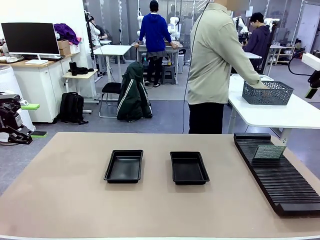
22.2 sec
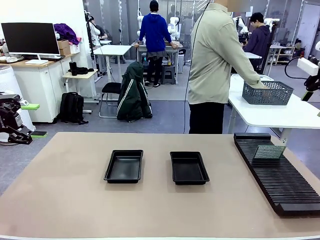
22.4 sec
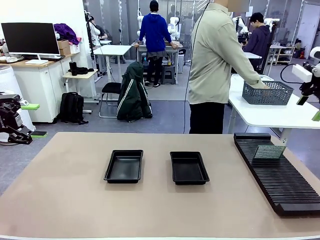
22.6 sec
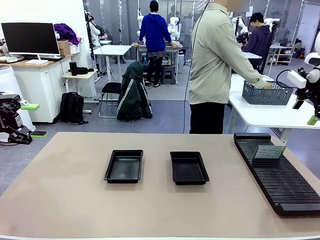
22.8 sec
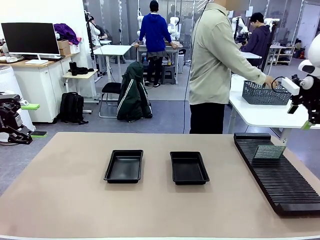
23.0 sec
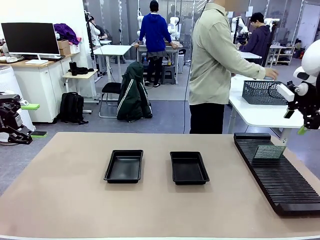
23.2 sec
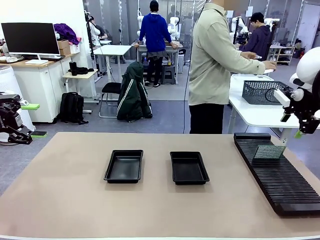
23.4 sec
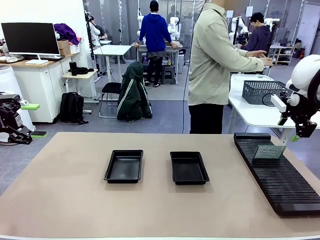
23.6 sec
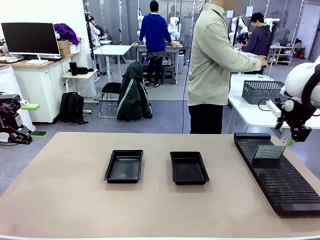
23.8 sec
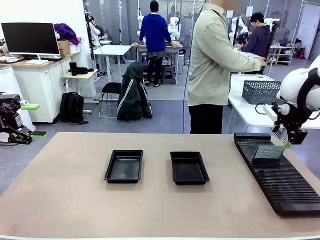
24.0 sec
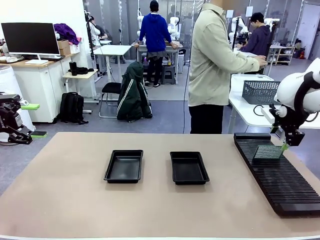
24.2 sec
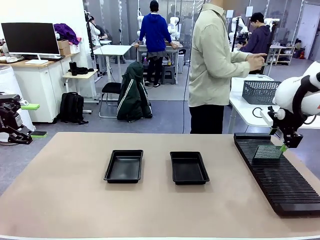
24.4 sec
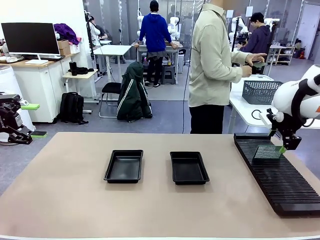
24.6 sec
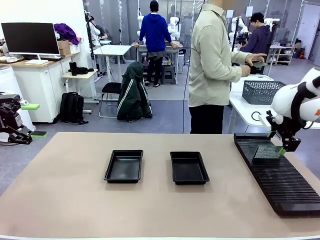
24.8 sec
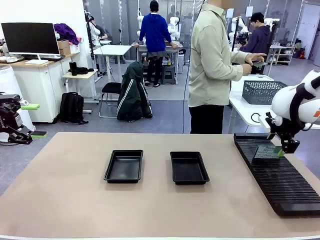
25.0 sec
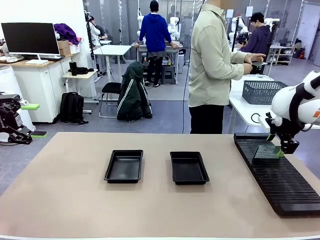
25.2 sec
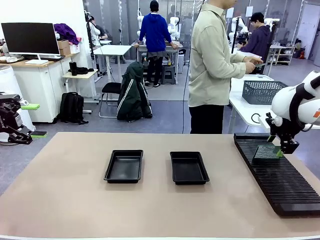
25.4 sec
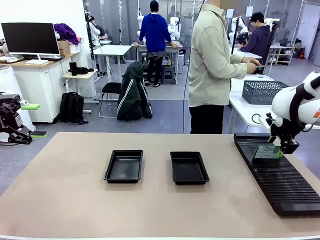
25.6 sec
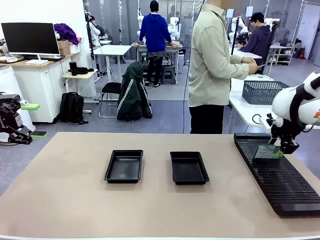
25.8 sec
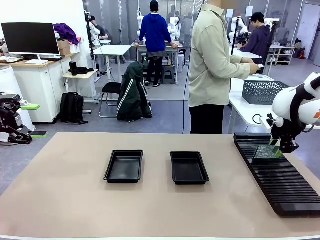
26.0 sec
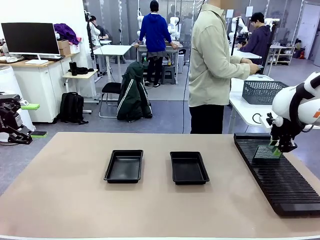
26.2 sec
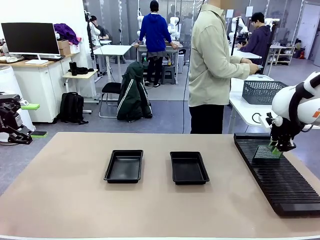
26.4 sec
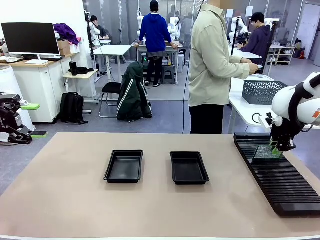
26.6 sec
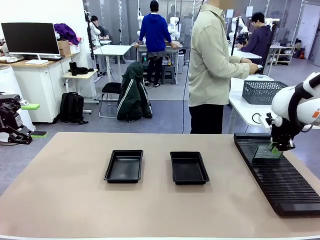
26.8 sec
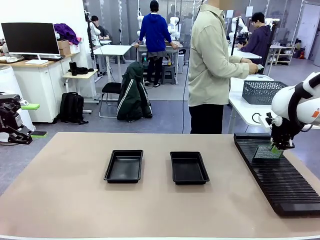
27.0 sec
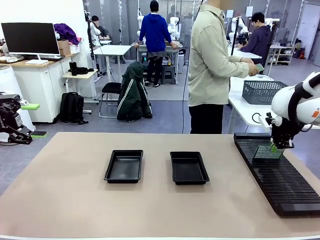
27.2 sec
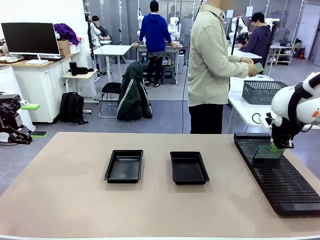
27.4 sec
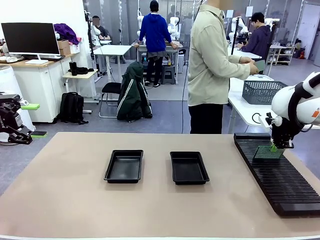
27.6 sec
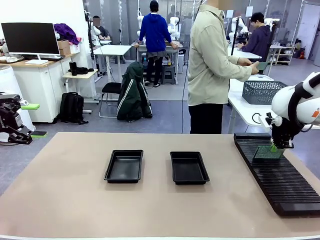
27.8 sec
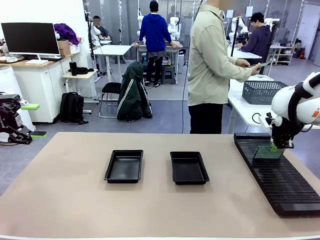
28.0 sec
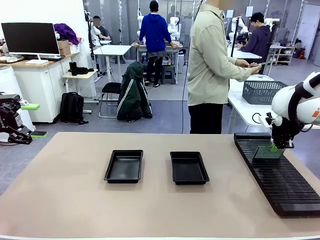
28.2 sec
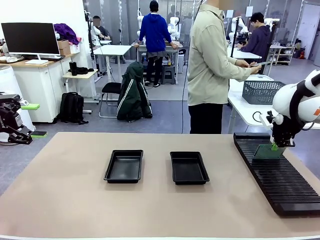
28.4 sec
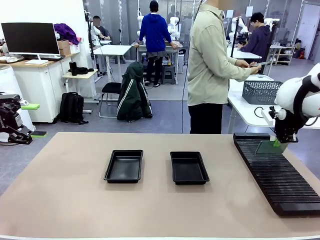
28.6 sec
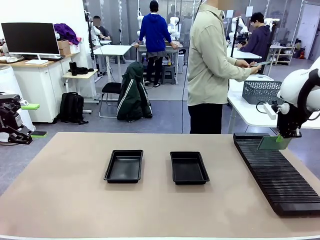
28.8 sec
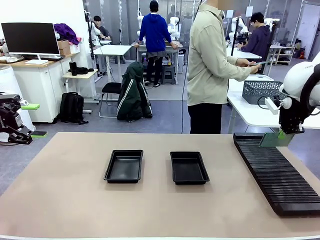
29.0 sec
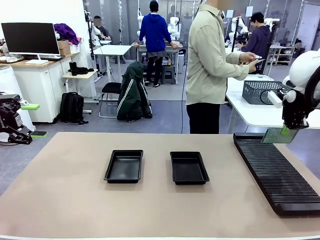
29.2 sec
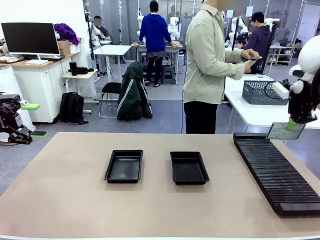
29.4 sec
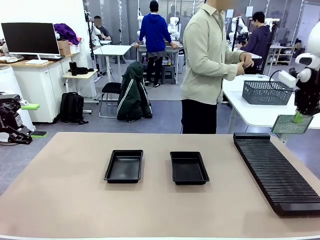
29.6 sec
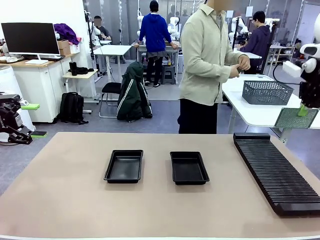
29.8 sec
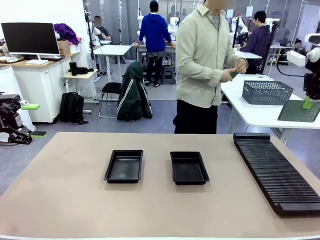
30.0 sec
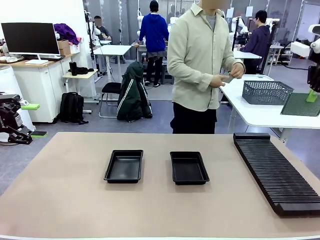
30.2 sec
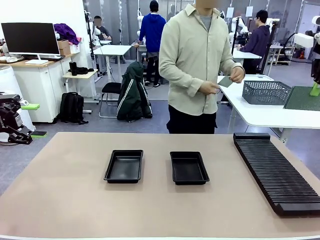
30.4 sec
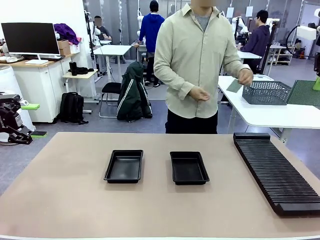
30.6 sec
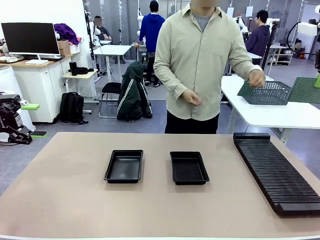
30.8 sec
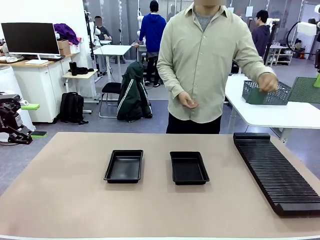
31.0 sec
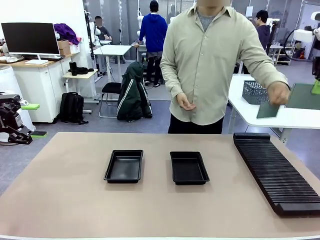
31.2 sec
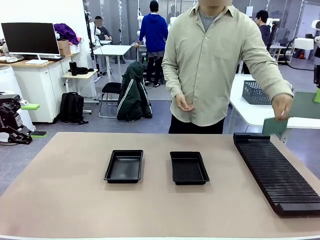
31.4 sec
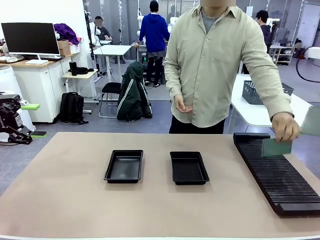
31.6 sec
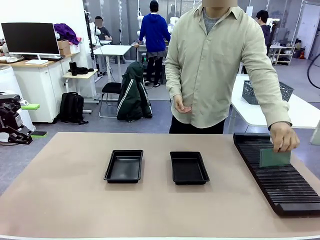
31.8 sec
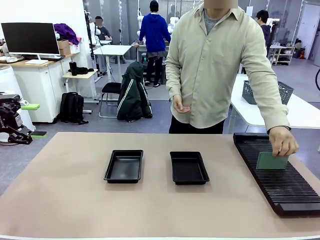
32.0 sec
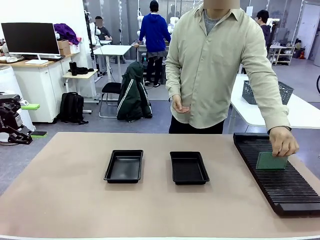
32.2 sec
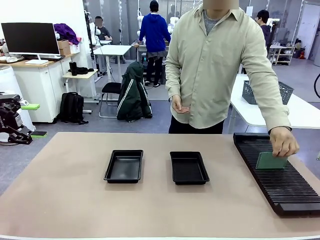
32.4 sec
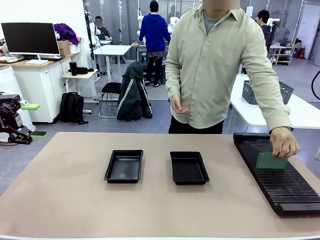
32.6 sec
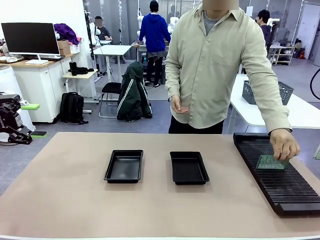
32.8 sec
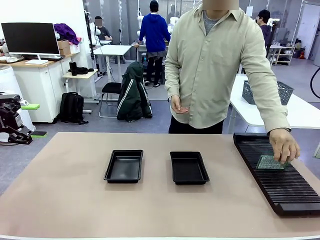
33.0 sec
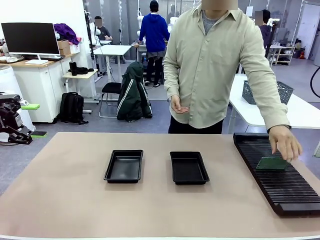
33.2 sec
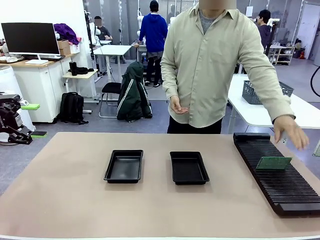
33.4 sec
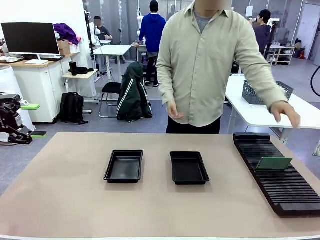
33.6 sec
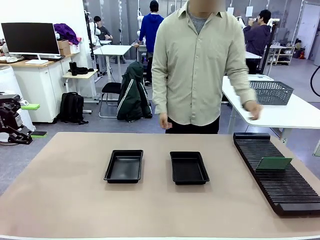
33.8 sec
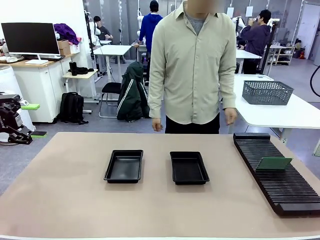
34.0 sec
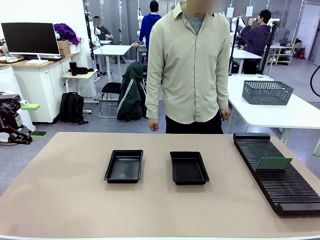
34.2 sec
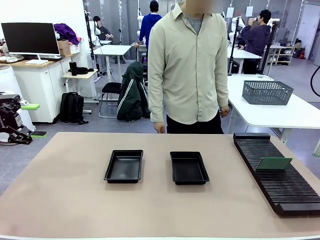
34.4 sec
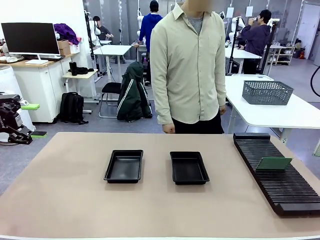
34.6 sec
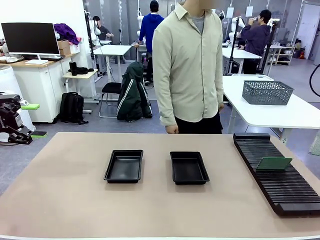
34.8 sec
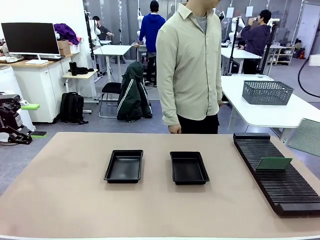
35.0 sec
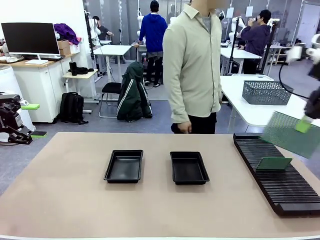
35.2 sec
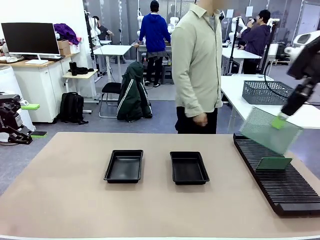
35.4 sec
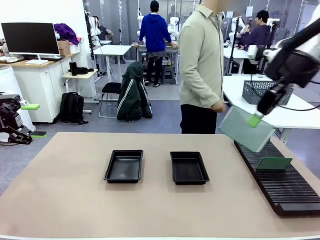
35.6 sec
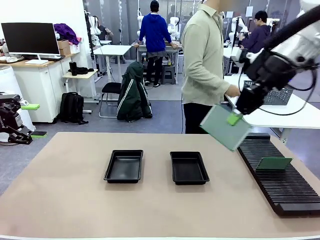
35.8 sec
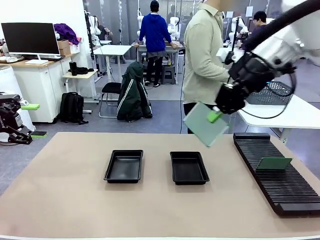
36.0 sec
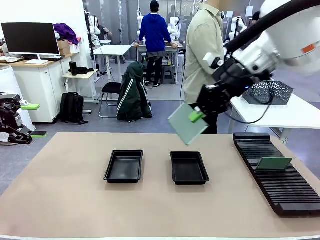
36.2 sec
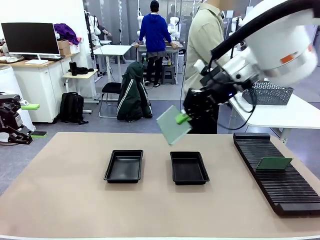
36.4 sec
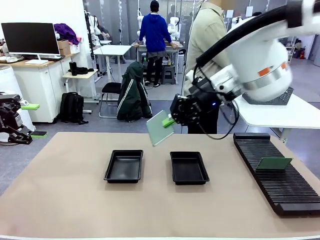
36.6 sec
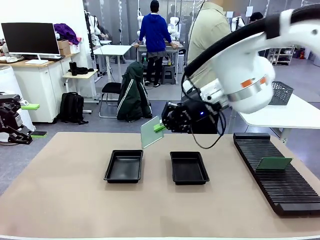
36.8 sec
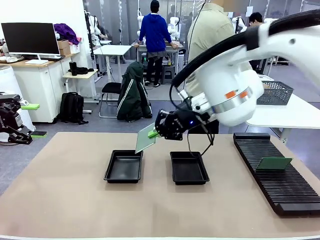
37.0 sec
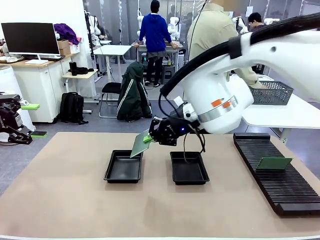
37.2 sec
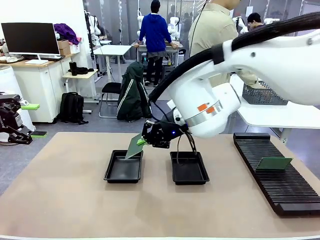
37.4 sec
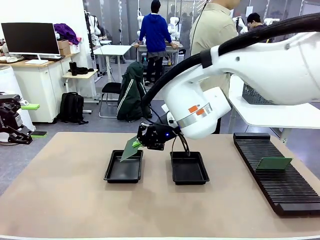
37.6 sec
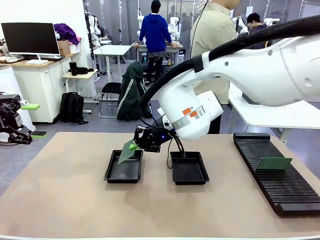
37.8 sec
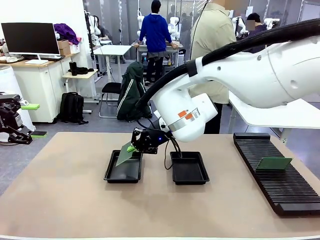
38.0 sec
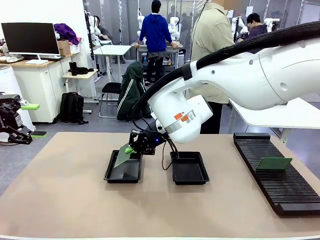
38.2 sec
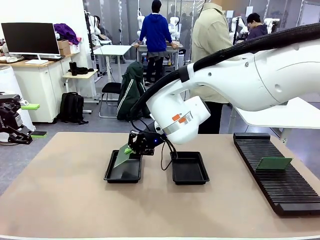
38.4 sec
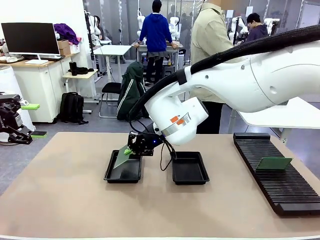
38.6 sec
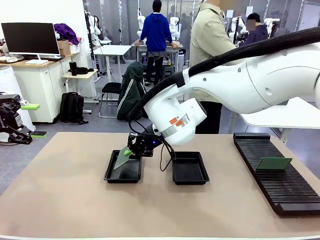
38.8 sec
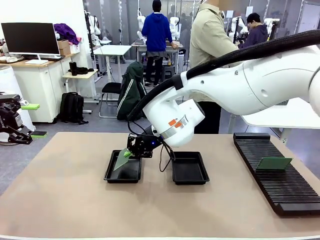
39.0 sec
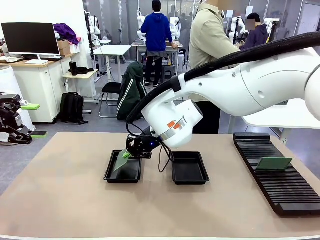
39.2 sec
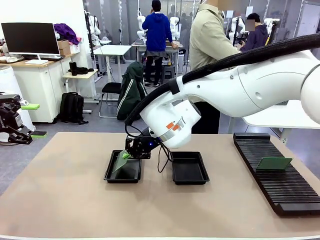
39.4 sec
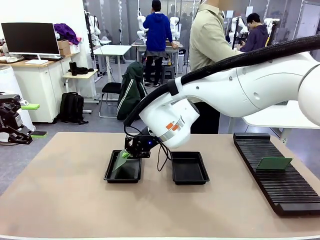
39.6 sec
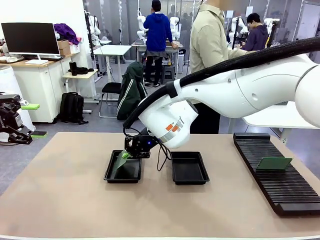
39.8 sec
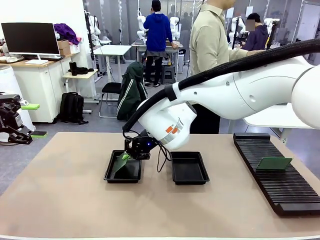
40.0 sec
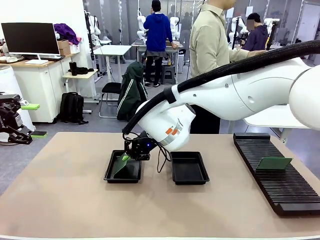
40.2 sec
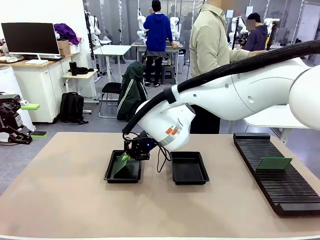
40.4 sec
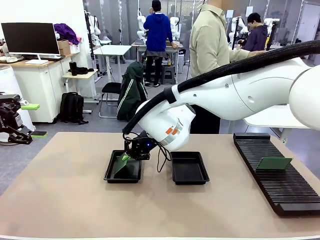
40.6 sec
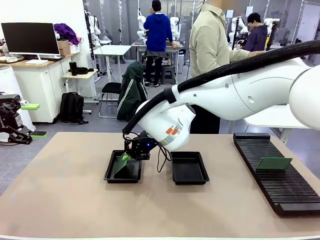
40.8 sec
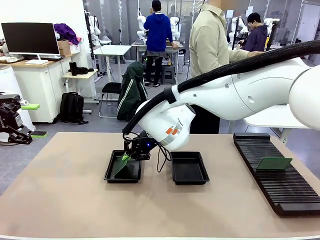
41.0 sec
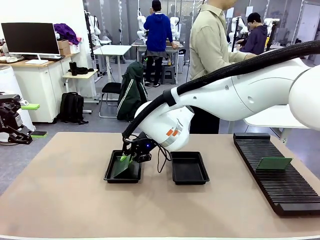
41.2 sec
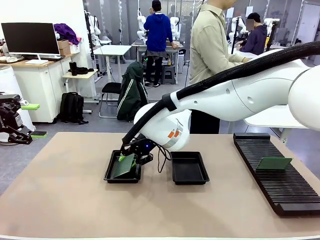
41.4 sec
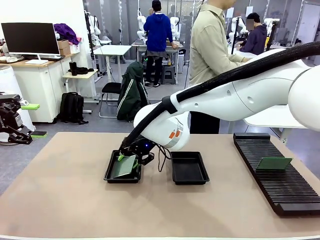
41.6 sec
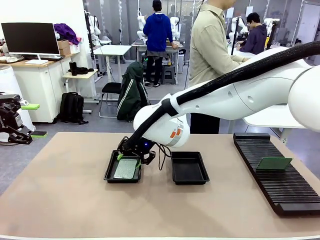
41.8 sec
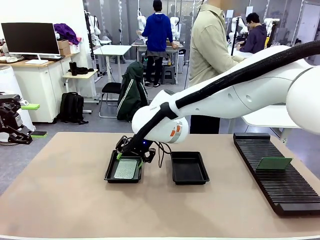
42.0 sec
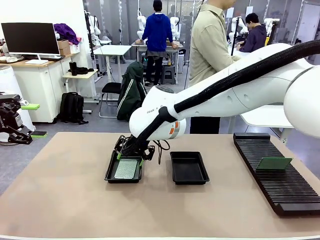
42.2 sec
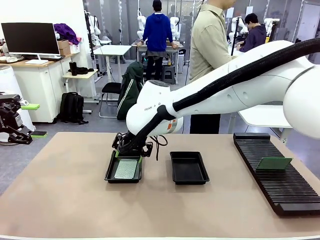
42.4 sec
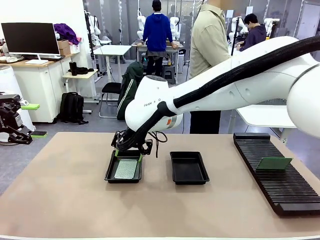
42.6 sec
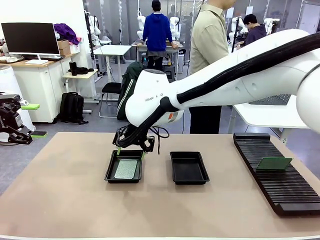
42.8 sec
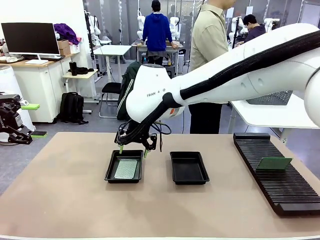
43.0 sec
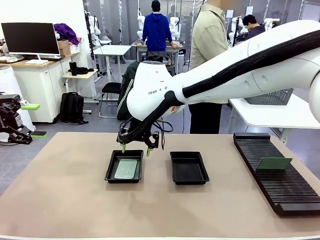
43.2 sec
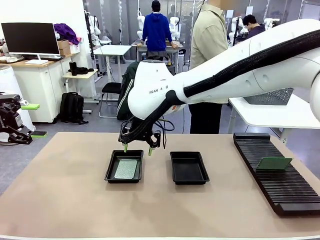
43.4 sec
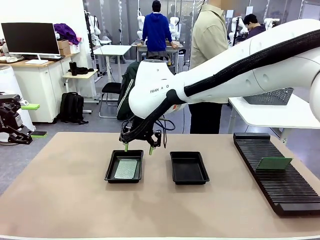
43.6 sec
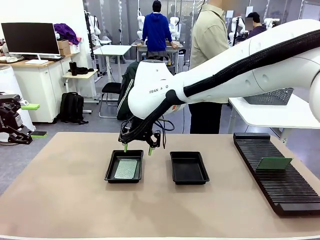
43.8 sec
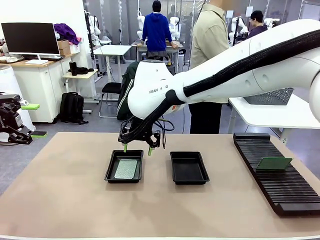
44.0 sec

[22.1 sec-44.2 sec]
Task: Inspect and transfer BCBs to ESD trays.
Robot: Pick up the Blank PCB from the PCB Rack and place it in the left ESD tray.
